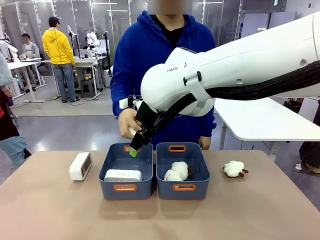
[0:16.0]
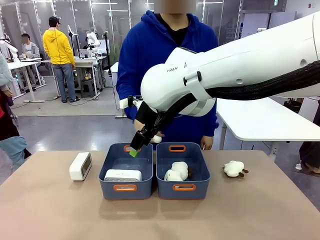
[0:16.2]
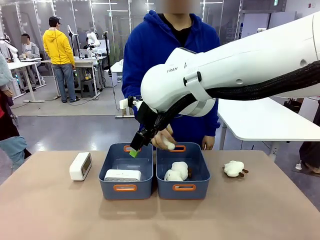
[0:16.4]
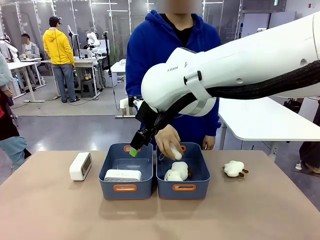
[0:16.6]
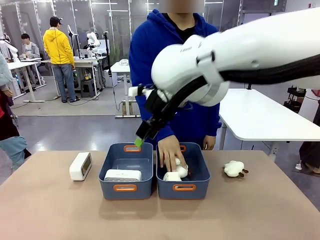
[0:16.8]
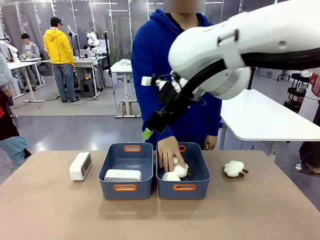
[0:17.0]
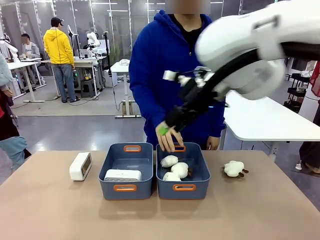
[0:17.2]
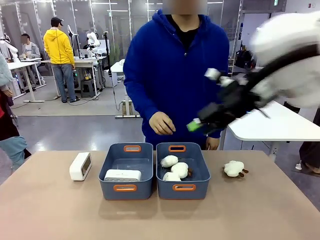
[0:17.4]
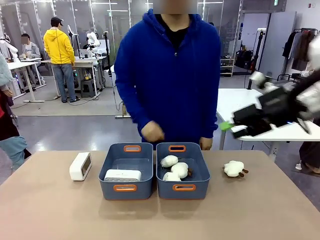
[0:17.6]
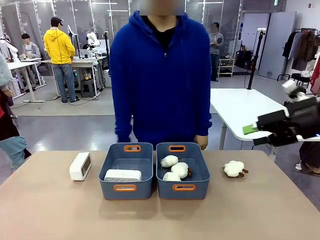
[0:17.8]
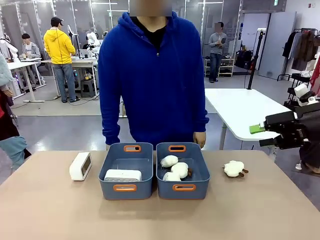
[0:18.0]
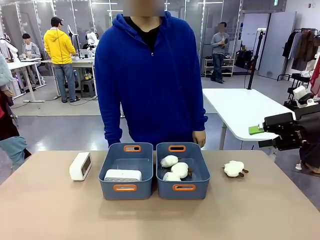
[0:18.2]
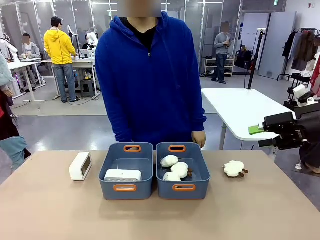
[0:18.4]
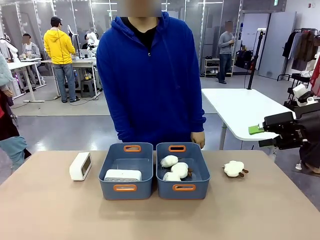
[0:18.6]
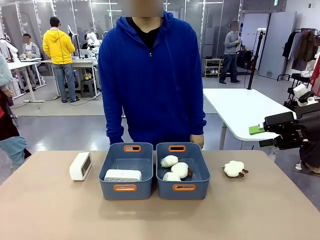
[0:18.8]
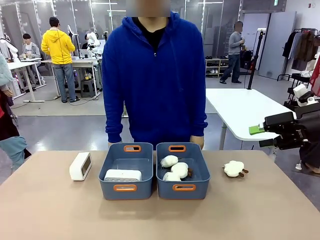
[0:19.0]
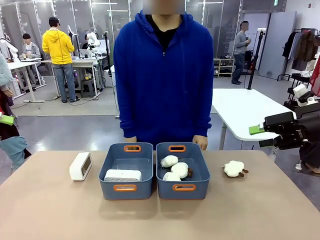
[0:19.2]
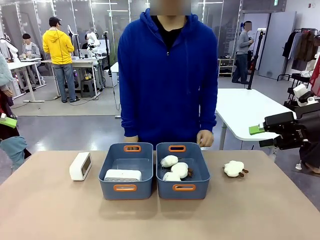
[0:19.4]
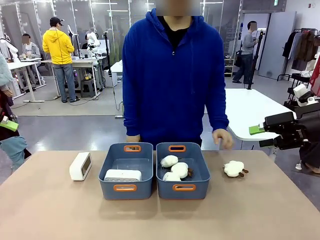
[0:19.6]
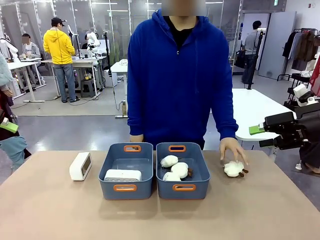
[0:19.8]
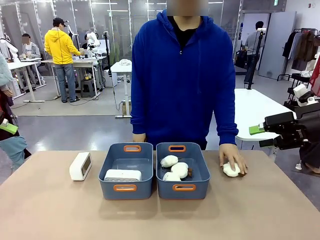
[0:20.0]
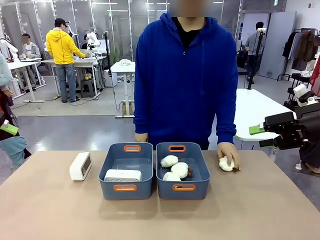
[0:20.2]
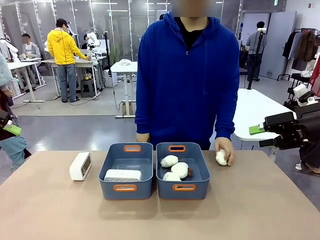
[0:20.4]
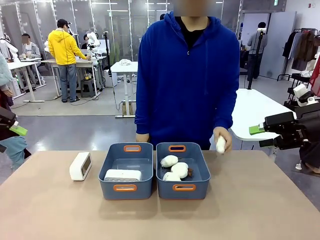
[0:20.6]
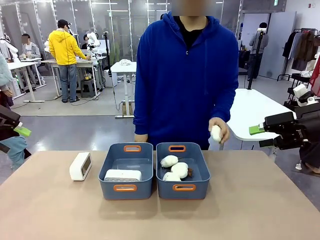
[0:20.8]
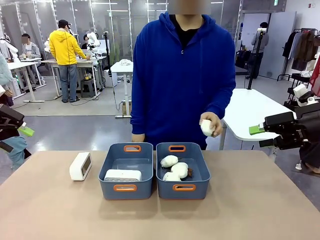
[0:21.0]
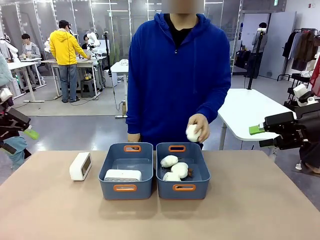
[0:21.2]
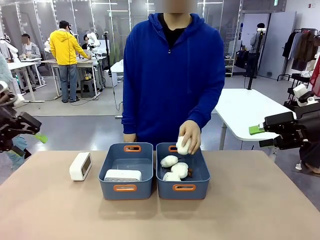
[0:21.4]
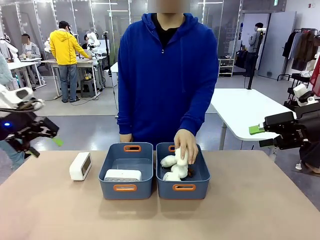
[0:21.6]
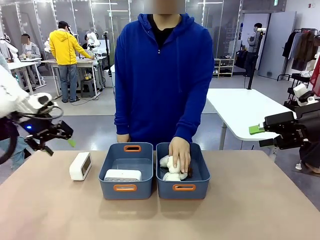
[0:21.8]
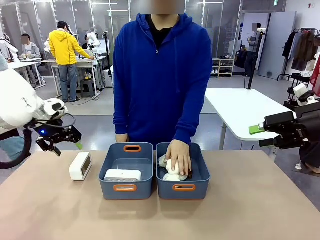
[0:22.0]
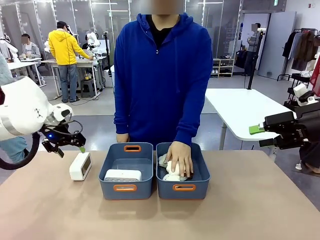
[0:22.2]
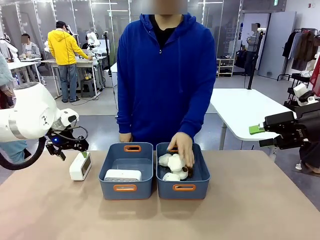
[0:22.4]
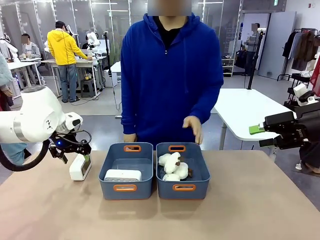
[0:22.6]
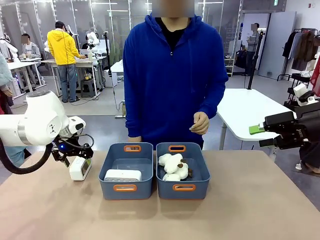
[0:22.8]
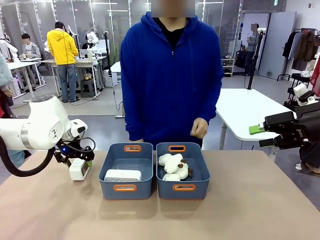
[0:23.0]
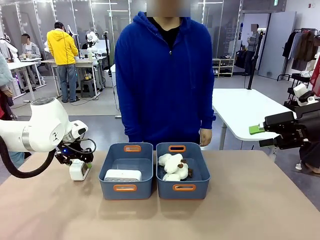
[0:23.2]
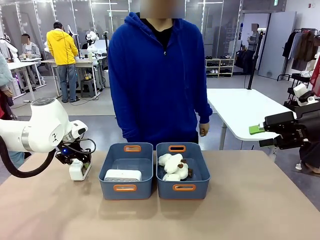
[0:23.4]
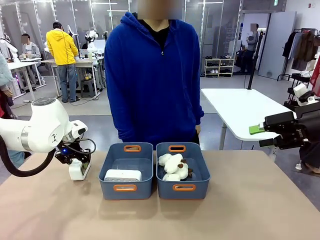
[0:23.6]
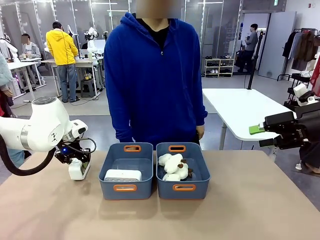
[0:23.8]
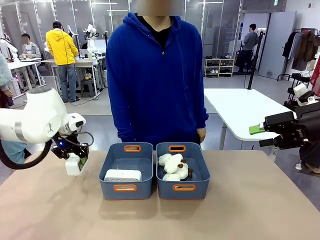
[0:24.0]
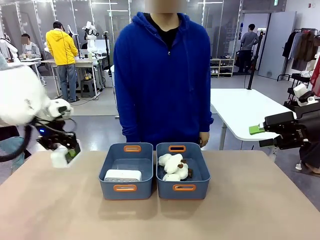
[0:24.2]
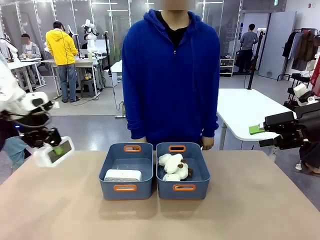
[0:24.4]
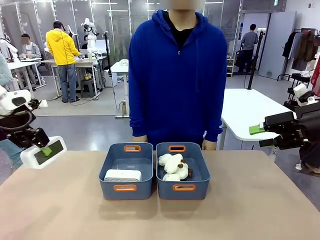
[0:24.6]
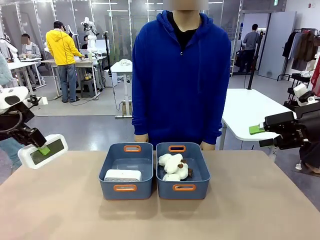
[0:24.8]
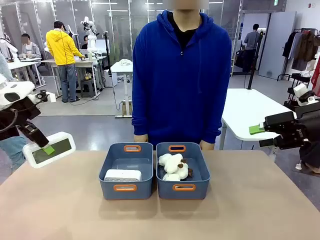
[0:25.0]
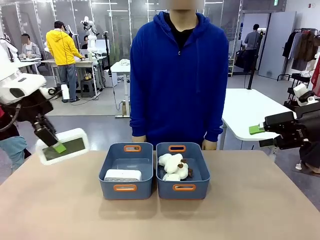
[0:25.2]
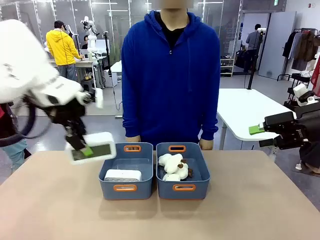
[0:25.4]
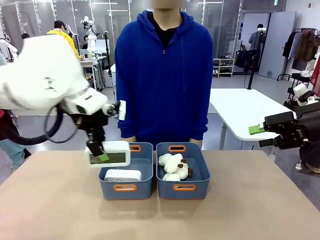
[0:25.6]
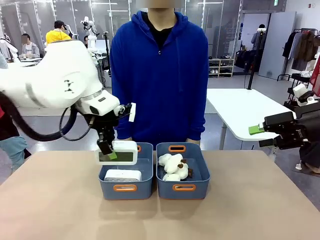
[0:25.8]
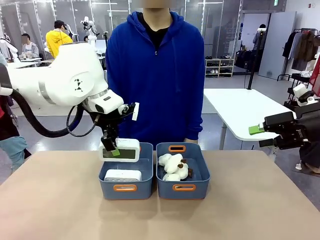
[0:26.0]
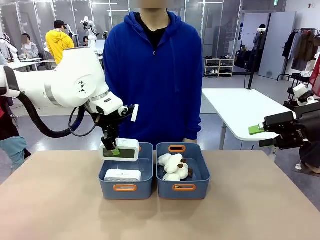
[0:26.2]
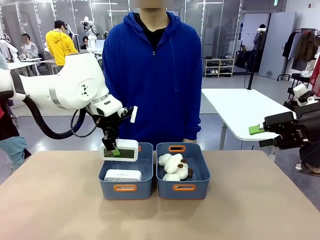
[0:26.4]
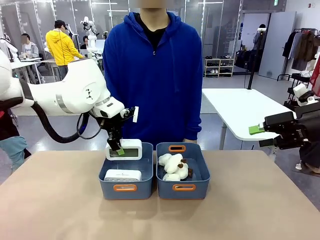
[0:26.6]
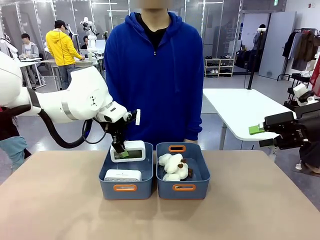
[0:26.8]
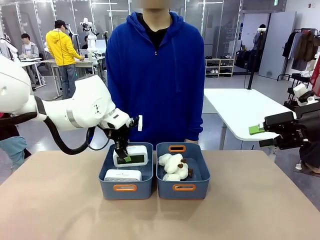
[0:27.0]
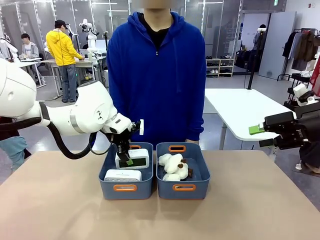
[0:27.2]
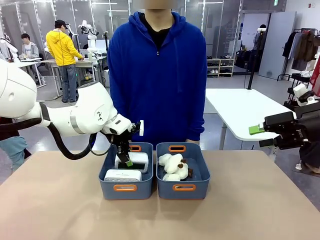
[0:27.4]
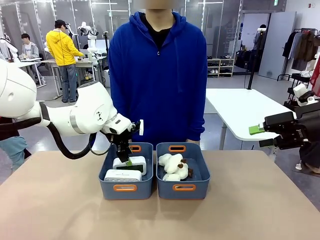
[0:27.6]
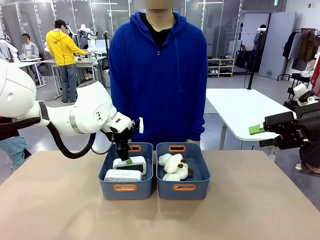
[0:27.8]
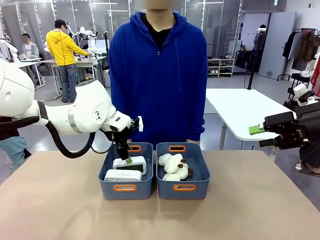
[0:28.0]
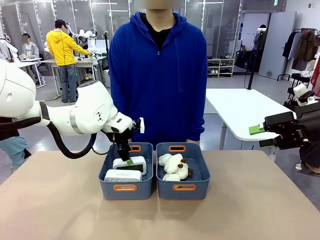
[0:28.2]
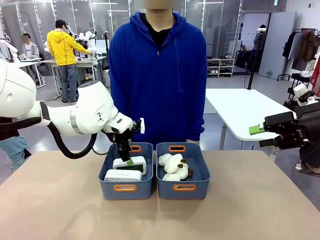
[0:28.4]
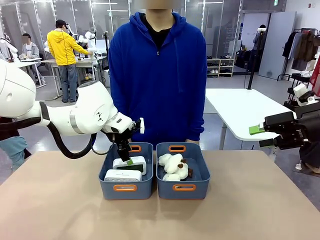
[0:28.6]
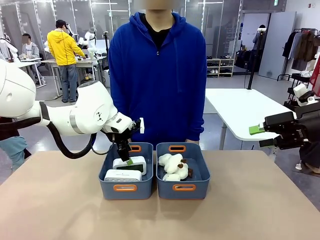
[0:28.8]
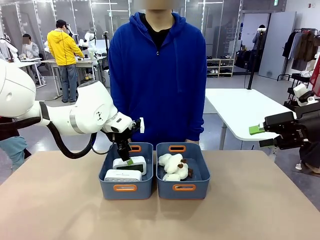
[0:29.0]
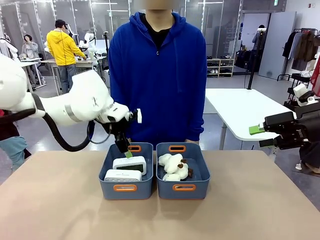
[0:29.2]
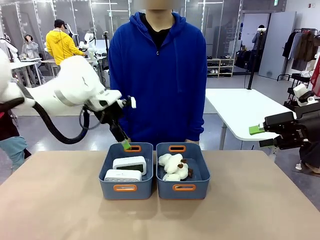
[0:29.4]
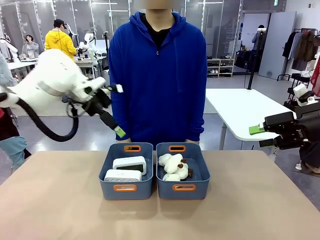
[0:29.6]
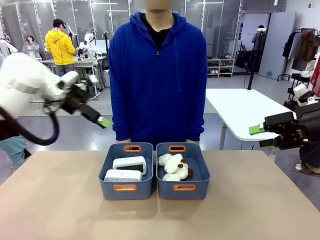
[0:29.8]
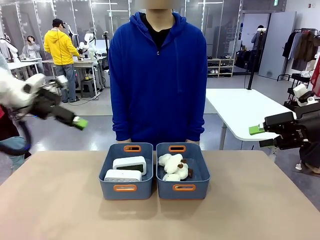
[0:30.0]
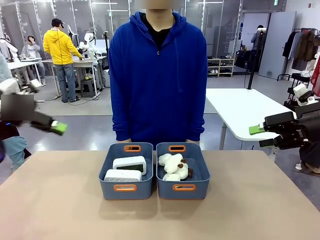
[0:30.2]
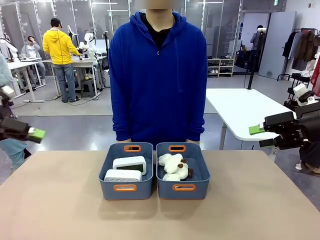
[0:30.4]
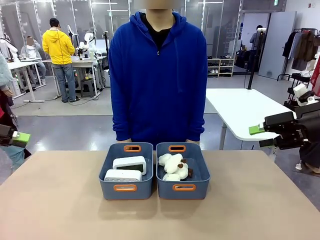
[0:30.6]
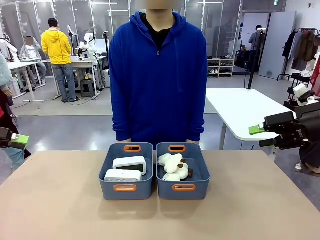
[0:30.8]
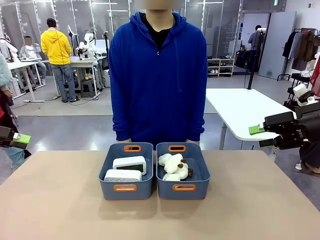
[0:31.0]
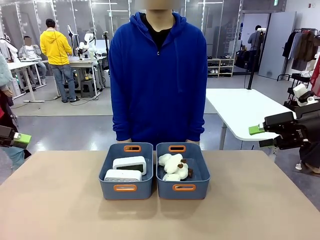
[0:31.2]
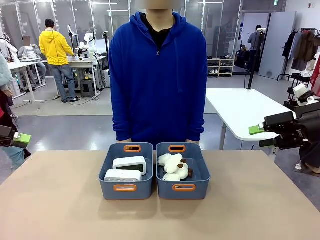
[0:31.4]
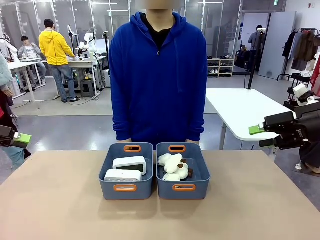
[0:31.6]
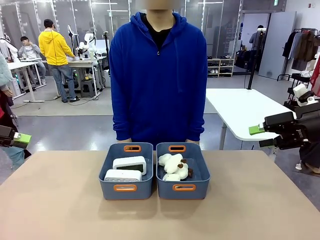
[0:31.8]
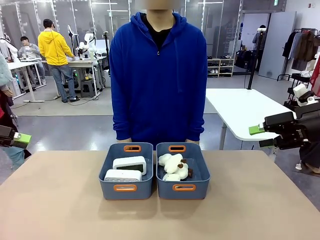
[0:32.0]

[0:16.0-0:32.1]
Task: Sort the digital clocks into the basket.
Robot: Pick up the Digital clock from the table and place it into the empty Plastic storage basket.
Person: Pick up a plush toy from the table and place it in the plastic storage basket containing the plush toy.
